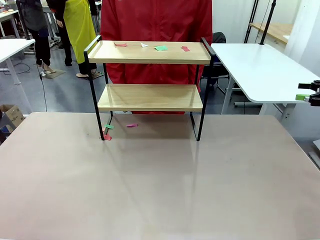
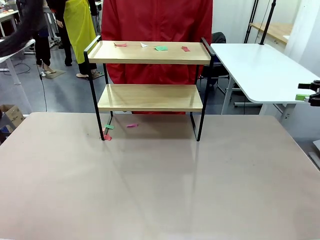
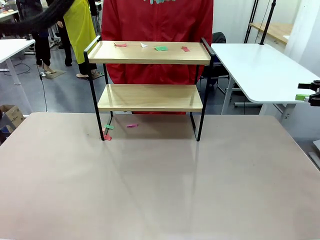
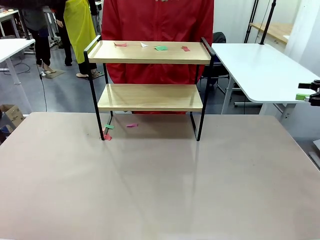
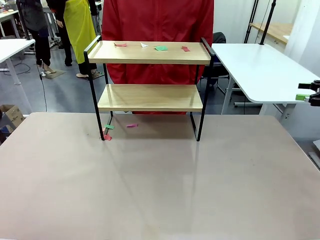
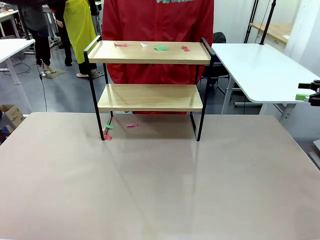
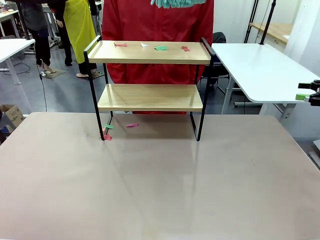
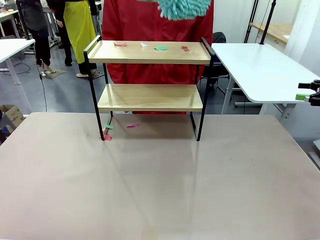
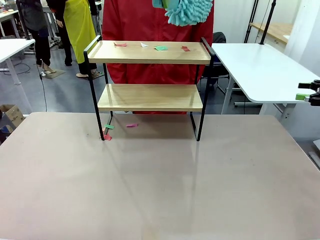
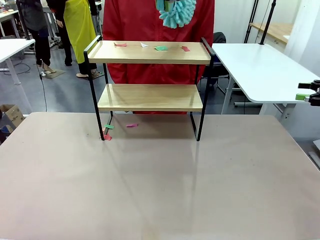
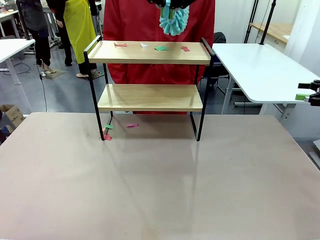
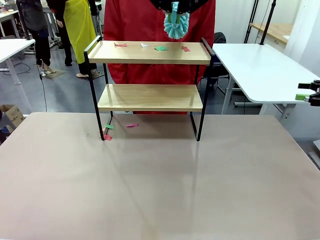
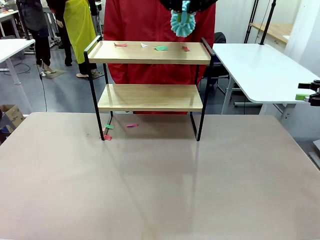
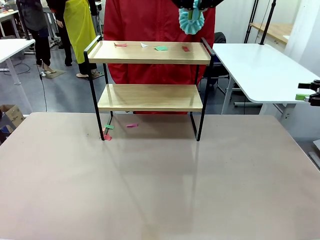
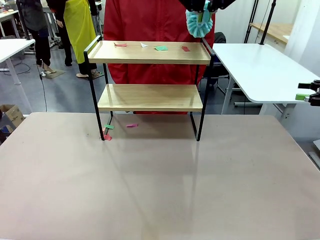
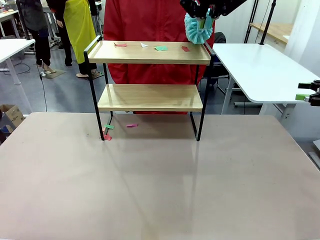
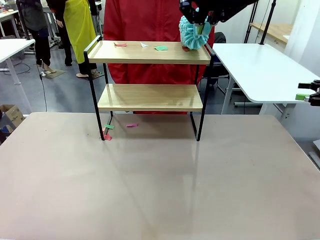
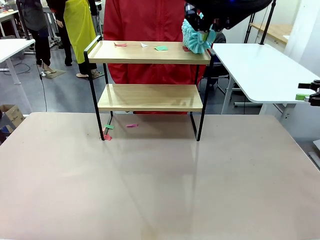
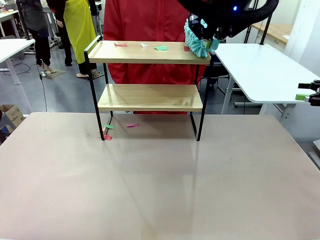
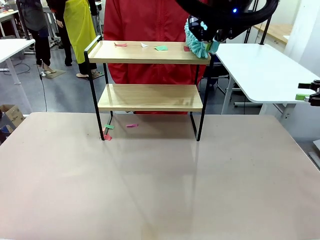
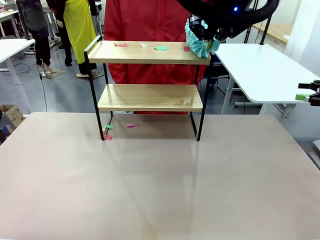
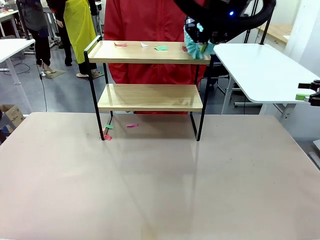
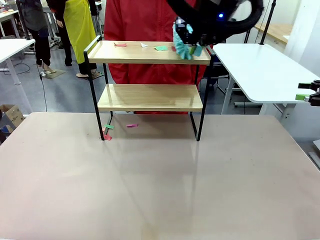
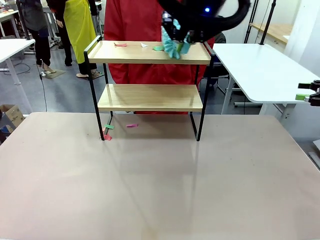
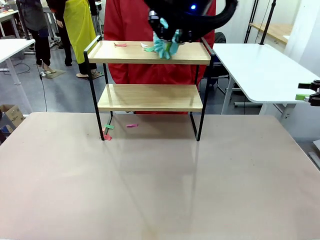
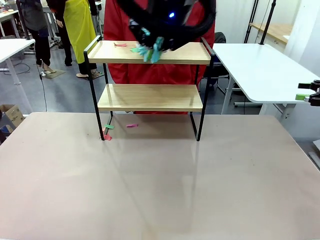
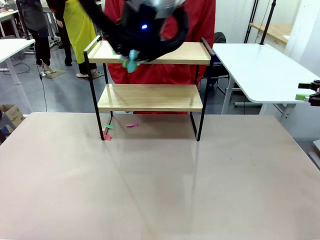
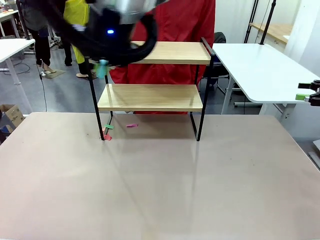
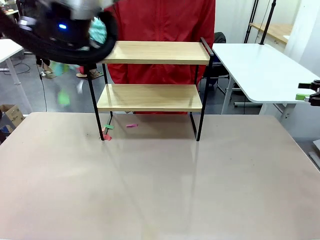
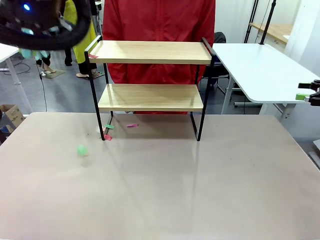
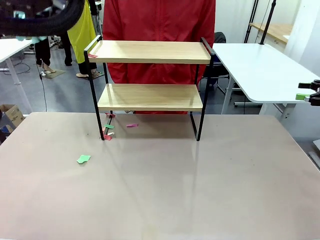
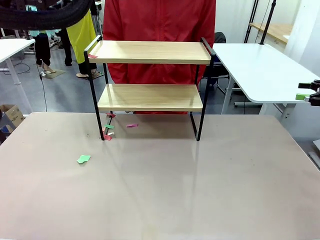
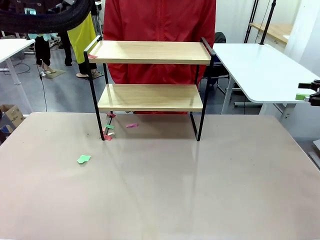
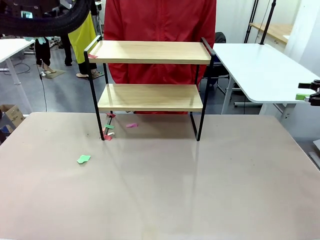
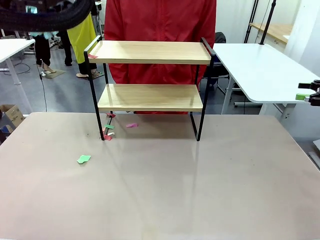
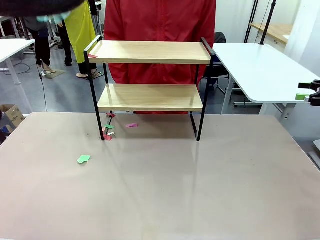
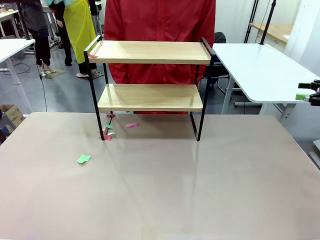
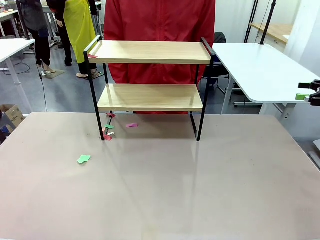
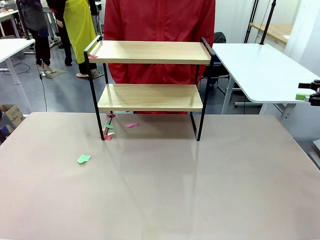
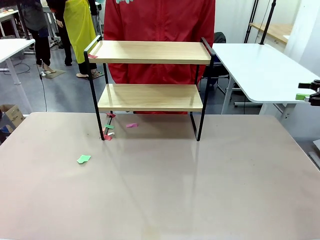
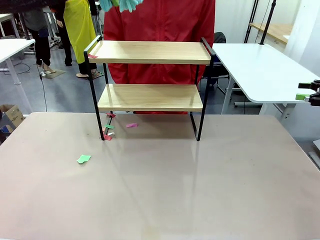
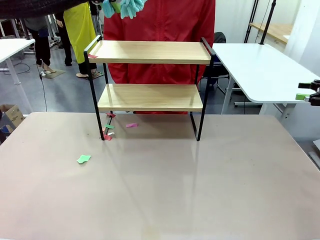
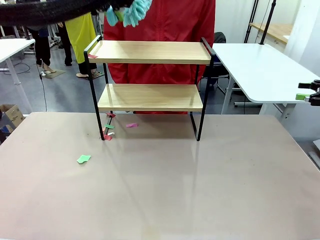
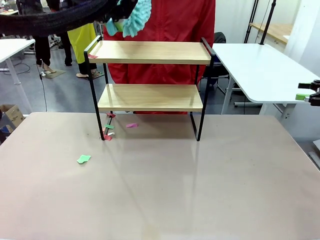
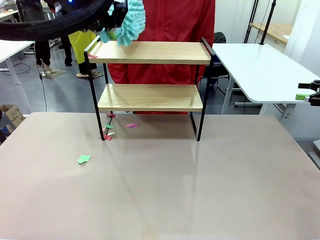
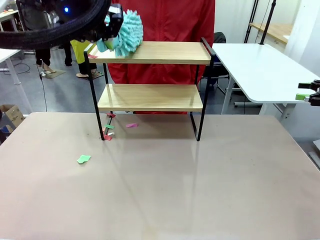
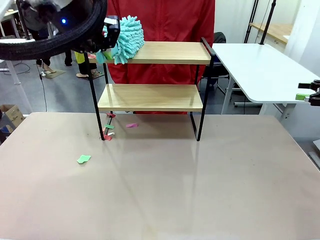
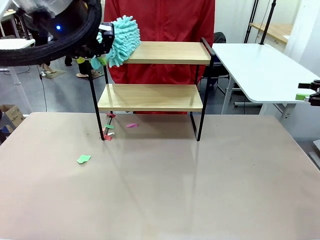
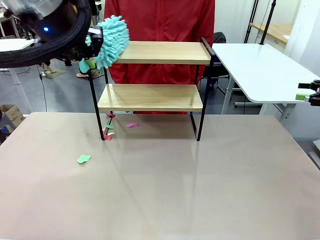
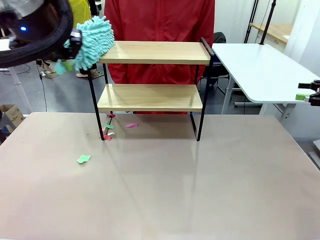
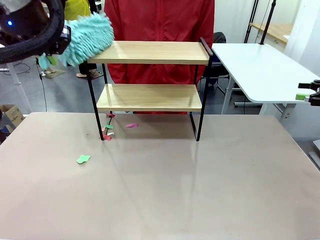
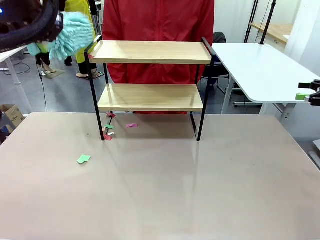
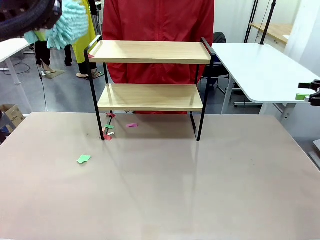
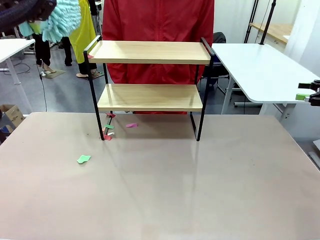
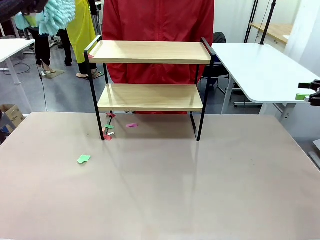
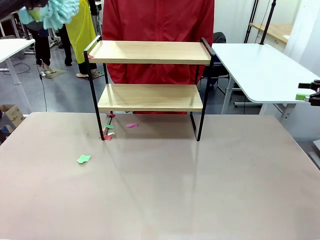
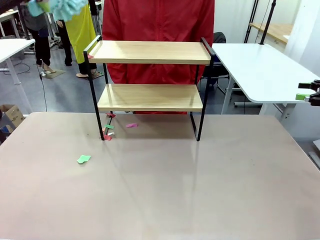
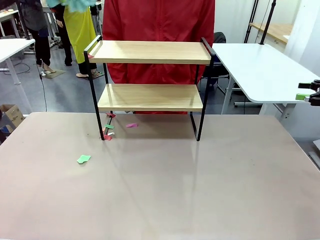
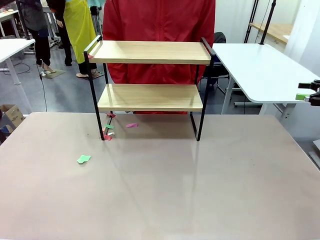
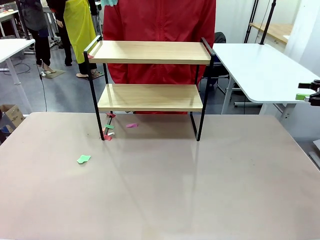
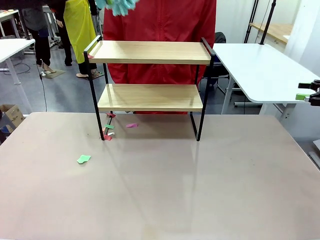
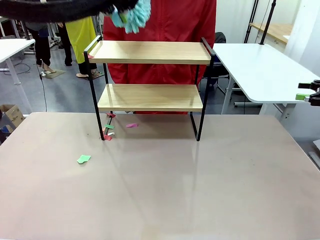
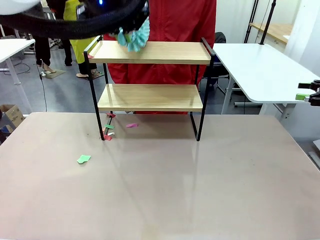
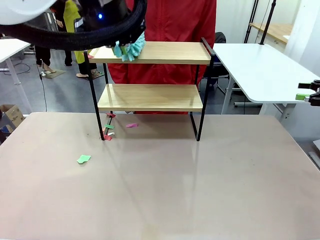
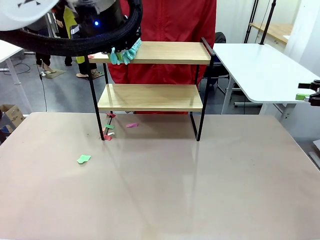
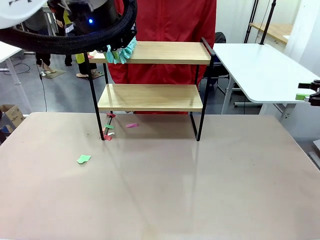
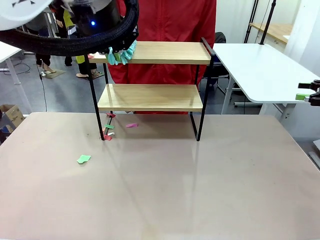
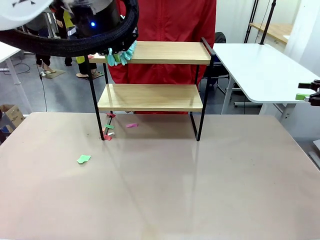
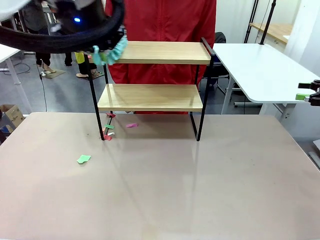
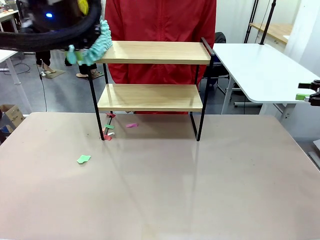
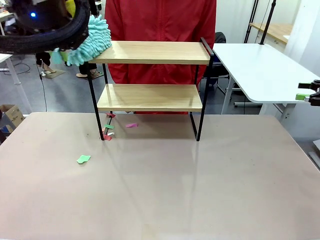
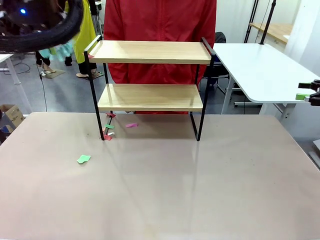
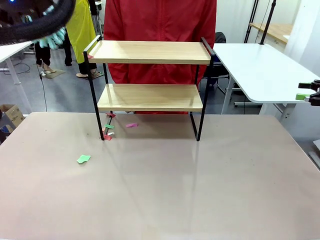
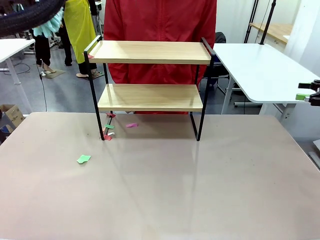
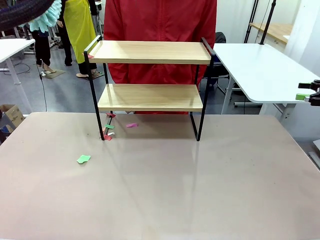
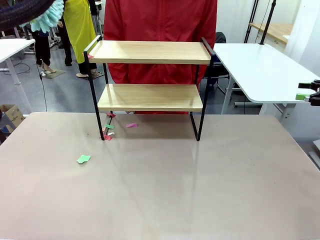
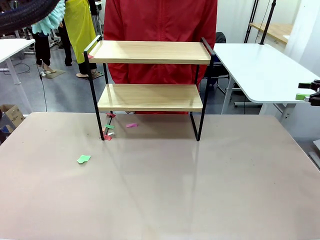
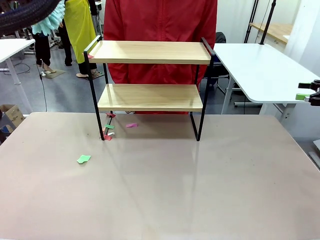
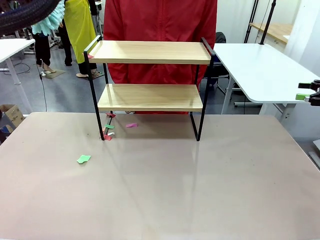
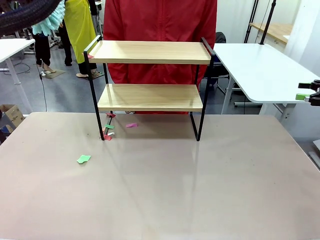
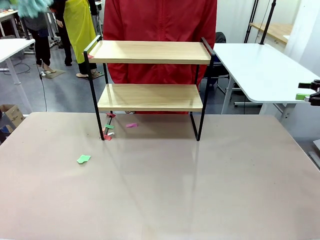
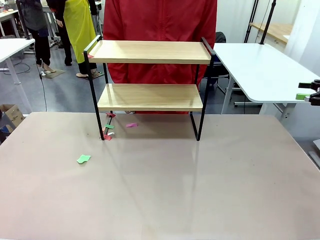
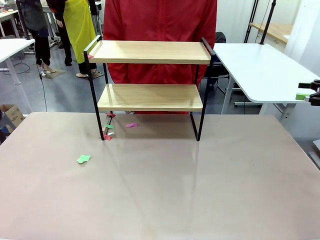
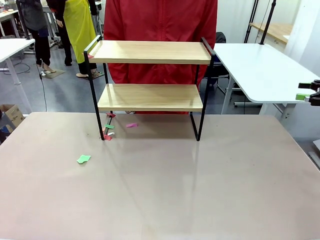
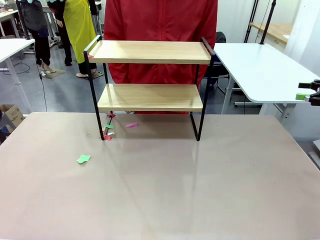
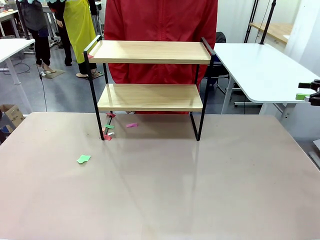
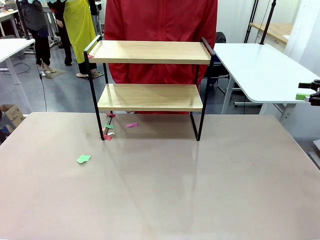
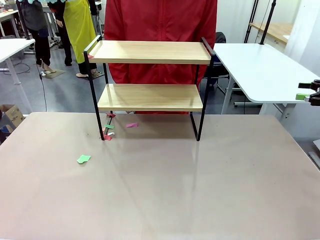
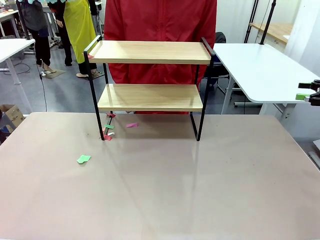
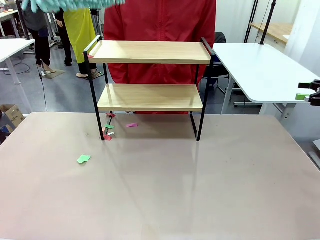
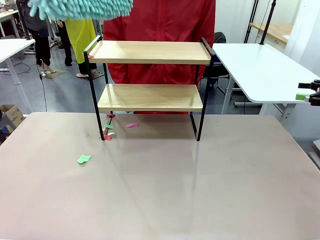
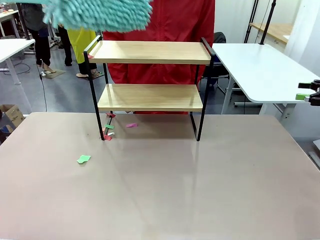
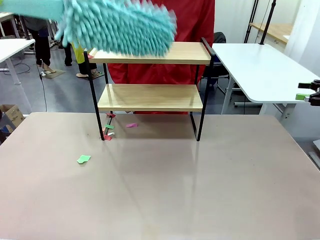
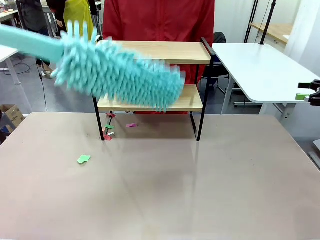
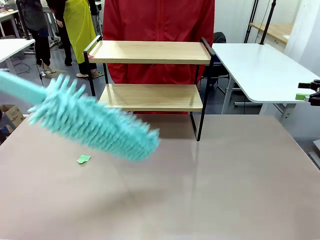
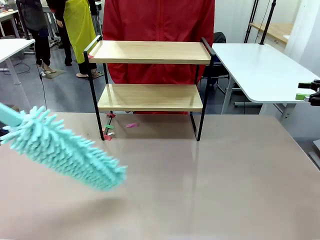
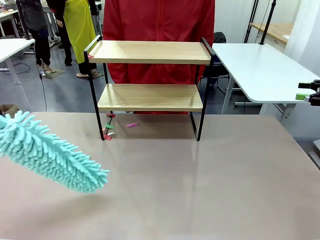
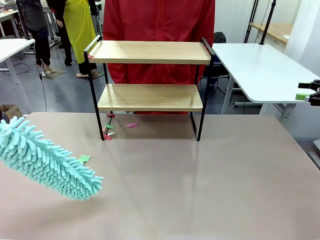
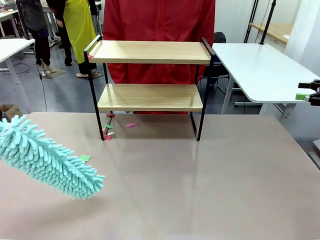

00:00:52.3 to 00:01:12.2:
Task: Clean the shelf.
Robot: Clean the specific section of the Shelf indicated by the human with the Duster.
Person: Receive the Duster from the robot.
